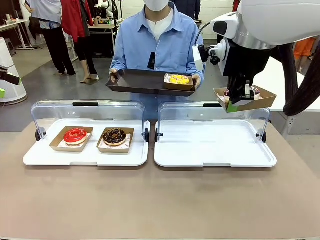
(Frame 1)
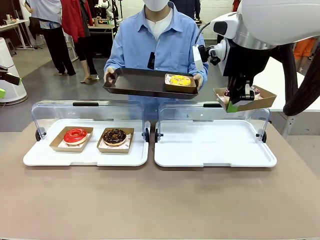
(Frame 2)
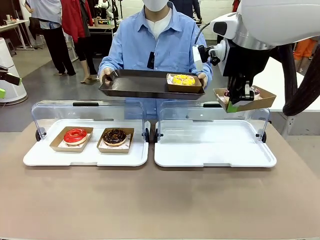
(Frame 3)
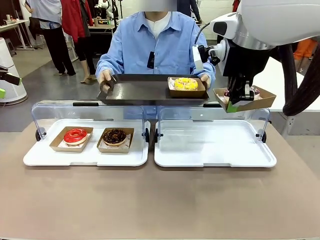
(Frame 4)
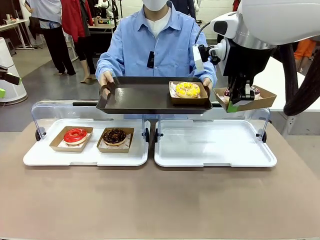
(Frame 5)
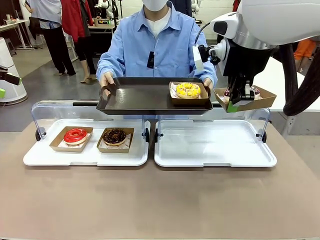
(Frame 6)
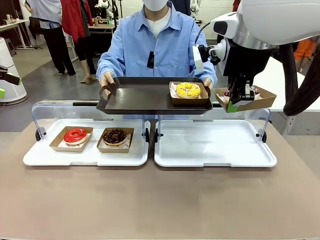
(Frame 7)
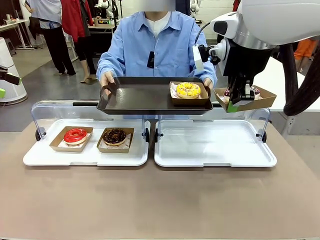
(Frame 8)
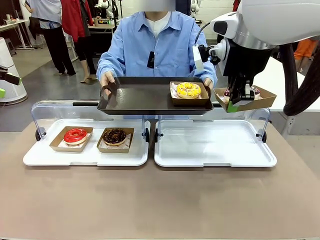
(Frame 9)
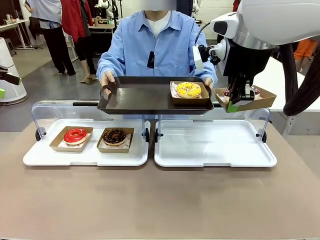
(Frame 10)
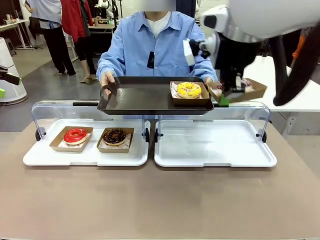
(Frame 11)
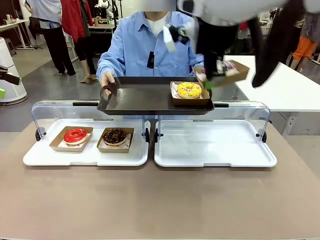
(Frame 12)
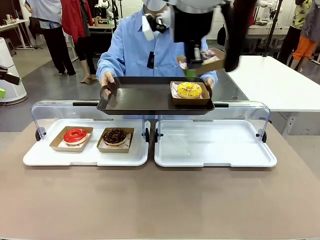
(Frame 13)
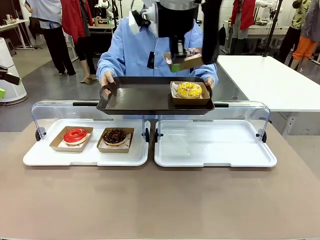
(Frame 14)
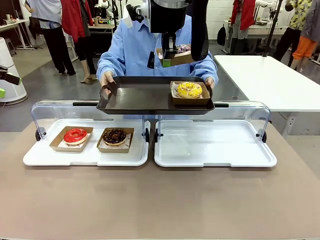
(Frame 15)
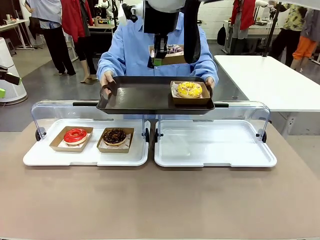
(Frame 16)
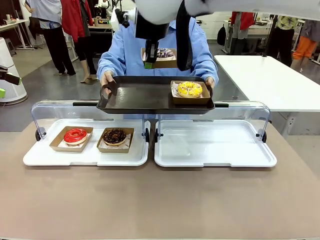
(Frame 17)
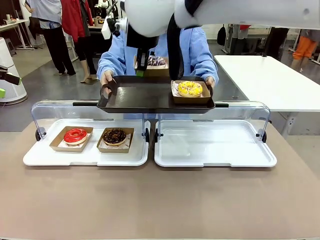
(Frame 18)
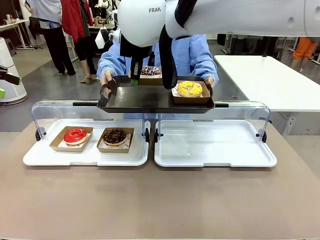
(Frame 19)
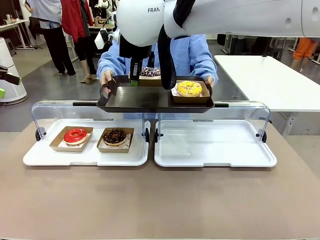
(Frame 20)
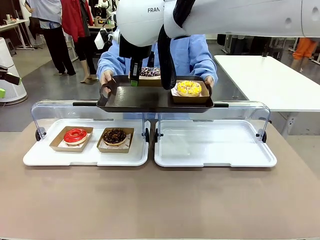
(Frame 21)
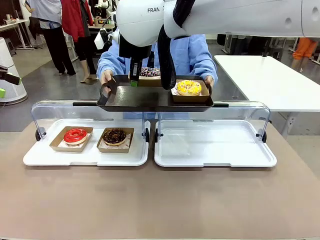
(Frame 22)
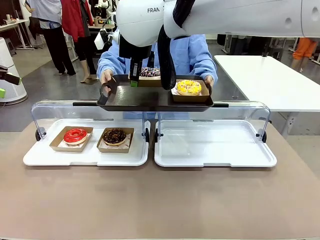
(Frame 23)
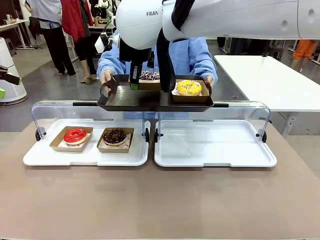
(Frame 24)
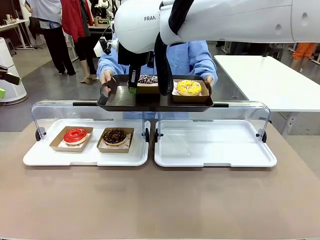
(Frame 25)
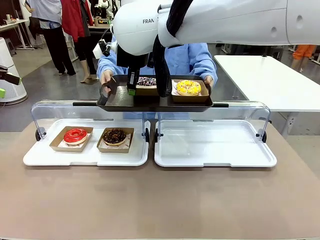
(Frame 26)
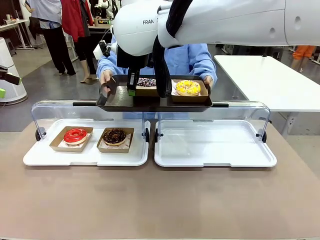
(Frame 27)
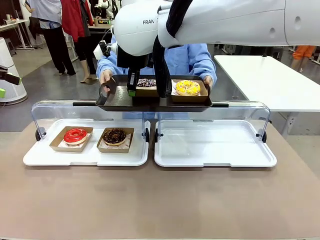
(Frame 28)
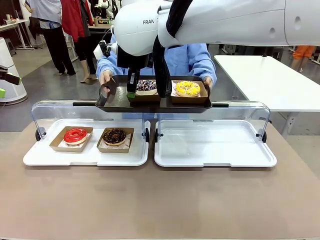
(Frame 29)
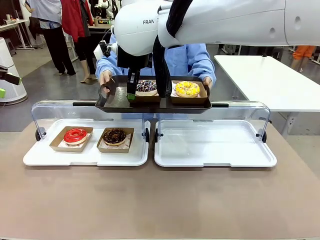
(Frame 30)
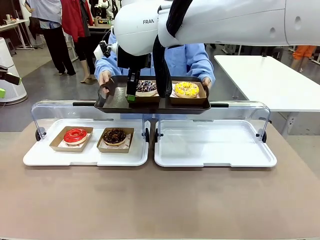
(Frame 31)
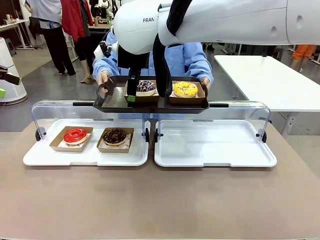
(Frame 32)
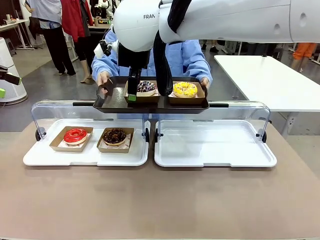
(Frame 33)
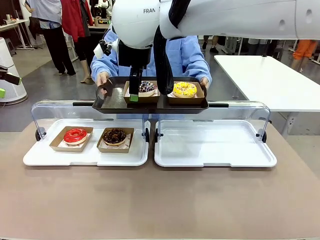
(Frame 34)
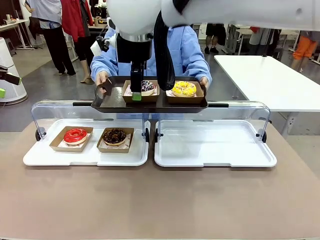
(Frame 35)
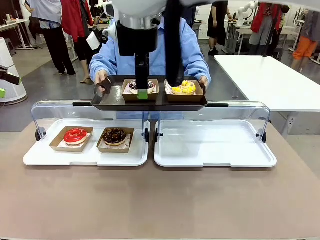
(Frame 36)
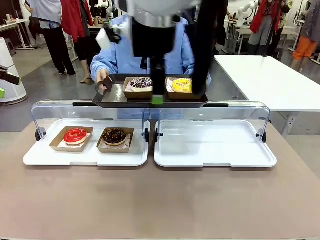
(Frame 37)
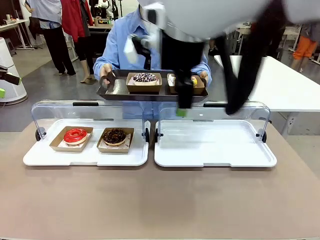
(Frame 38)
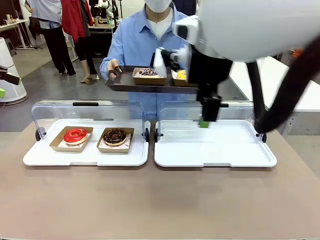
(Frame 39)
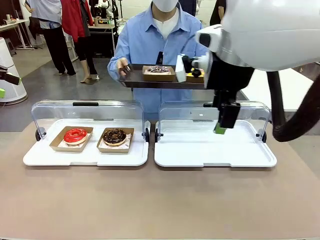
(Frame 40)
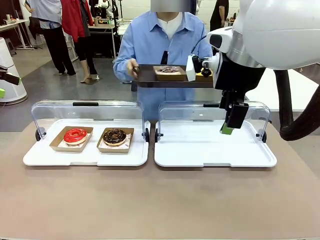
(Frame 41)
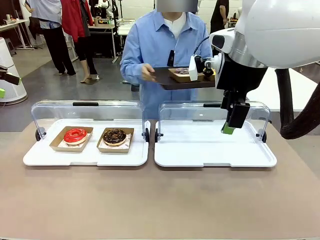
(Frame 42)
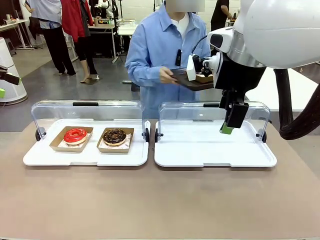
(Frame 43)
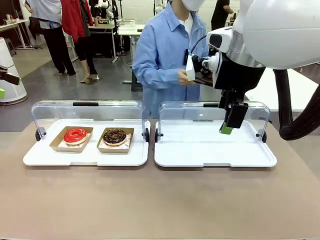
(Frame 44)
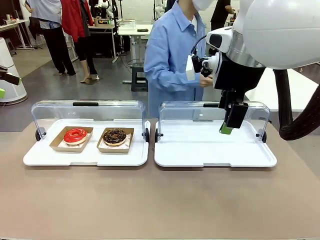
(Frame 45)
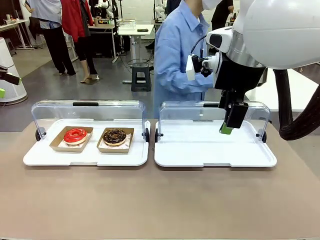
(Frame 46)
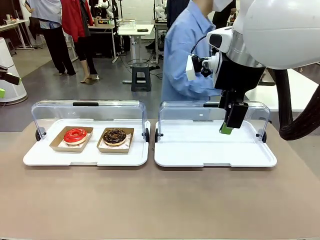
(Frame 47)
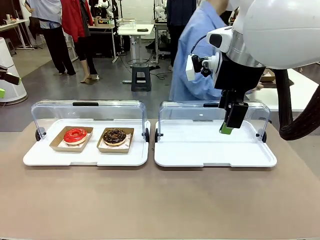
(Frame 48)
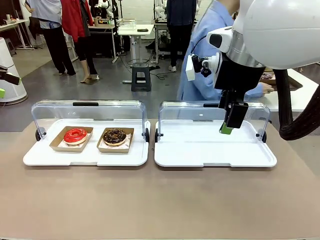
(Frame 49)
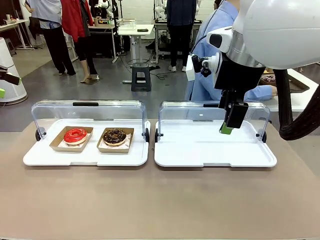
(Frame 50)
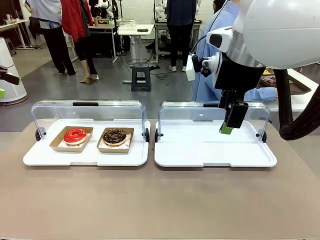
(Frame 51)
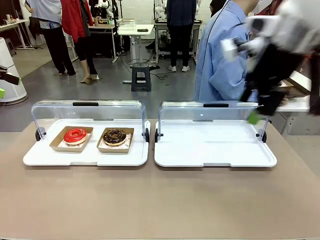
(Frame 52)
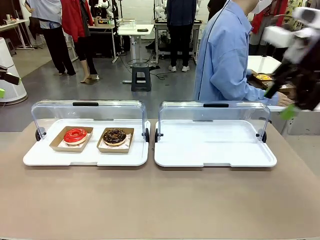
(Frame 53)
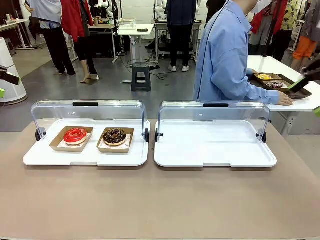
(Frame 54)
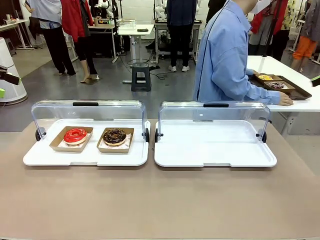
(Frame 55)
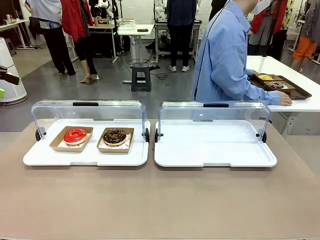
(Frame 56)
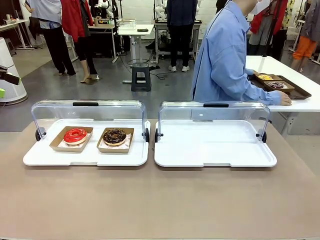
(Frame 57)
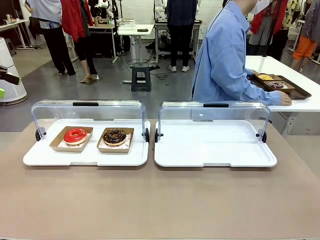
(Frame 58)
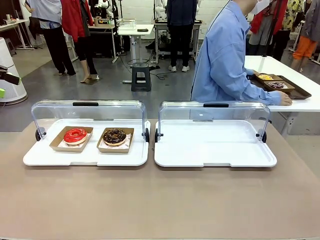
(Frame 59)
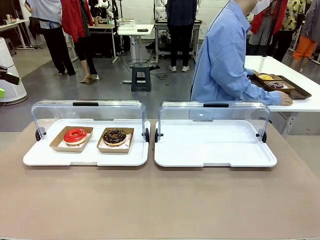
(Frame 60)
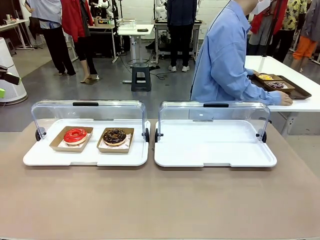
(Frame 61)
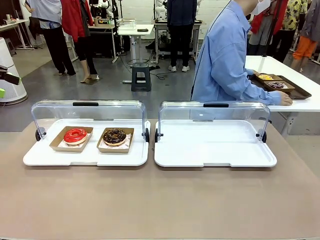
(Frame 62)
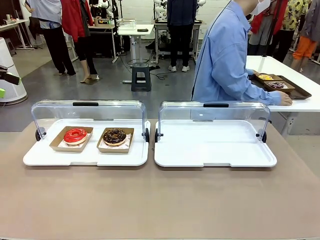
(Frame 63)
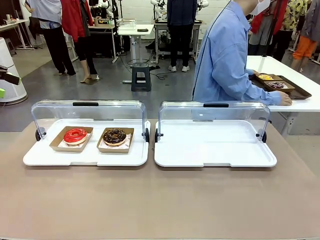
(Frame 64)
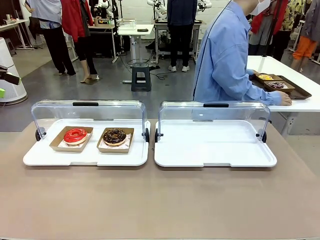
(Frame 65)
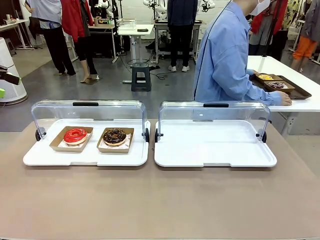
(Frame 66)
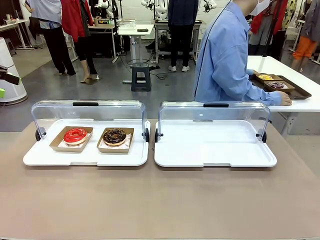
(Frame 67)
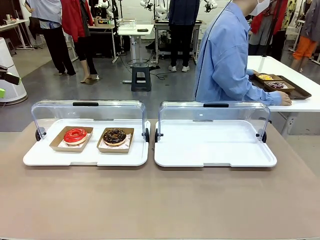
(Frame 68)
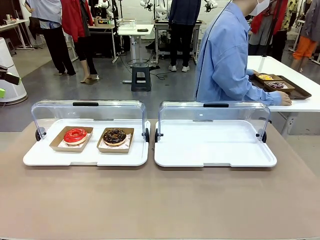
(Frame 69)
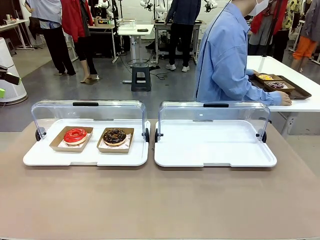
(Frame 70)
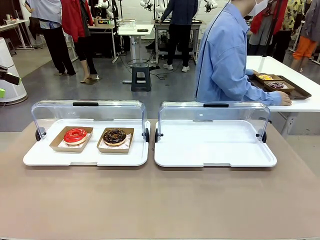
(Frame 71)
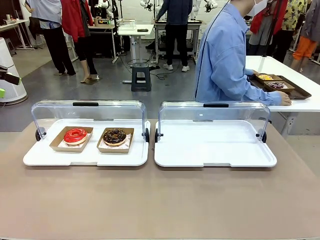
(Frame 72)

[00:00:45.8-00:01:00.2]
Task: Provide the desired donut to the person.
Robot: Place the picked Paper togo box onto the Handle tray extended by the person.
Person: Place the tray in the middle of the human table.

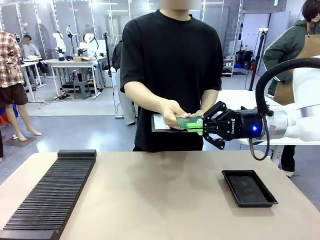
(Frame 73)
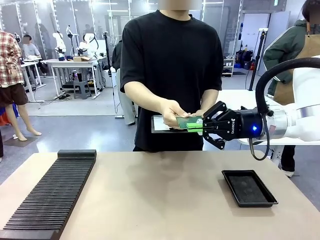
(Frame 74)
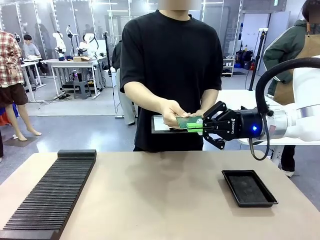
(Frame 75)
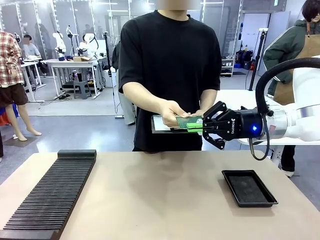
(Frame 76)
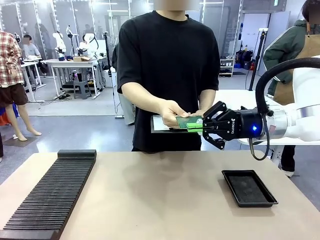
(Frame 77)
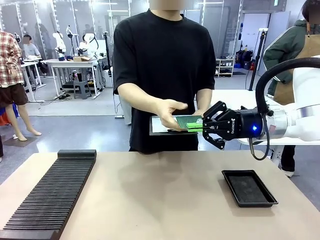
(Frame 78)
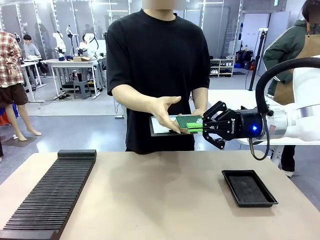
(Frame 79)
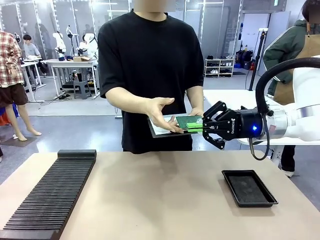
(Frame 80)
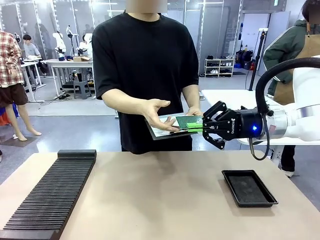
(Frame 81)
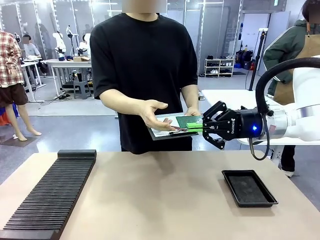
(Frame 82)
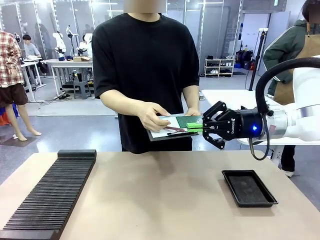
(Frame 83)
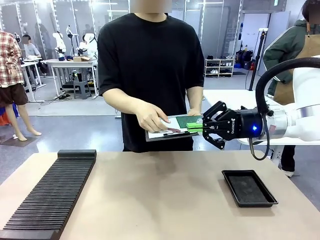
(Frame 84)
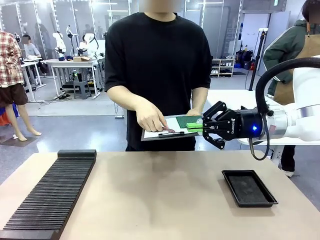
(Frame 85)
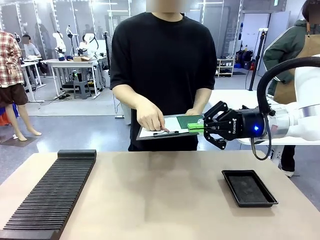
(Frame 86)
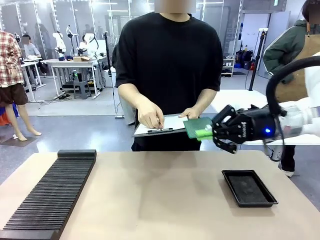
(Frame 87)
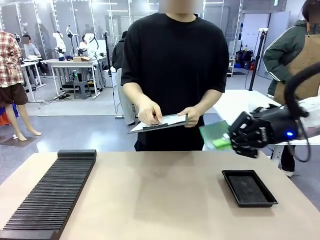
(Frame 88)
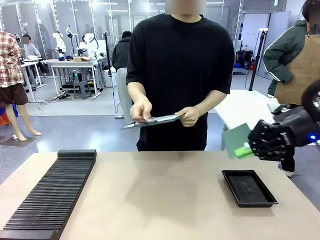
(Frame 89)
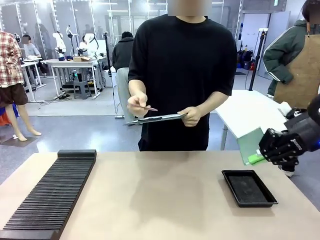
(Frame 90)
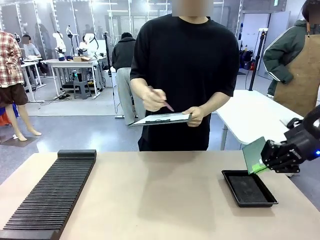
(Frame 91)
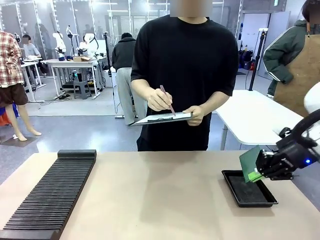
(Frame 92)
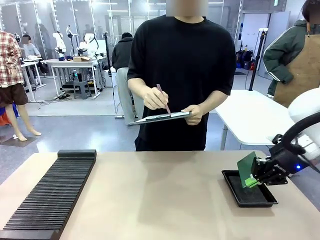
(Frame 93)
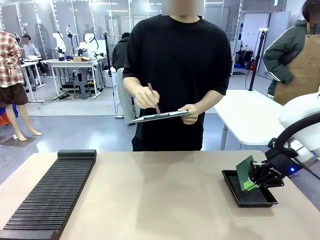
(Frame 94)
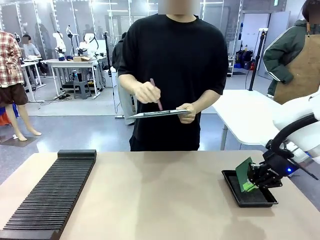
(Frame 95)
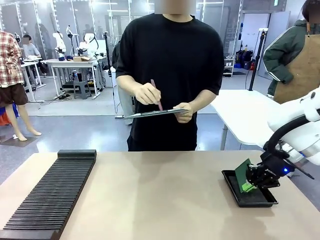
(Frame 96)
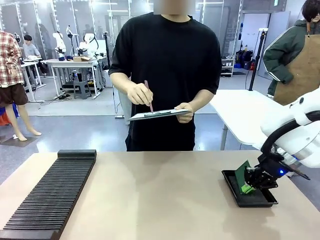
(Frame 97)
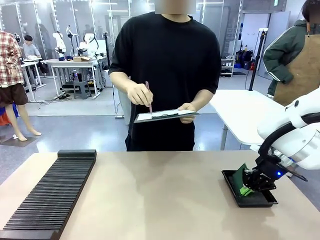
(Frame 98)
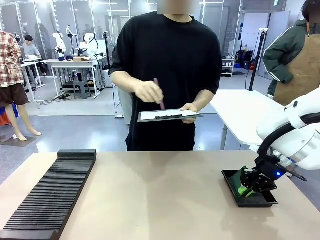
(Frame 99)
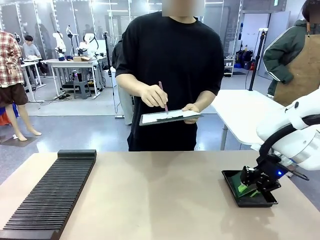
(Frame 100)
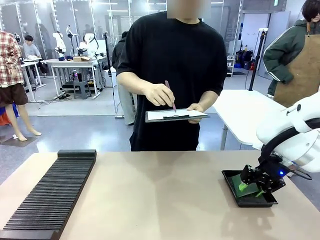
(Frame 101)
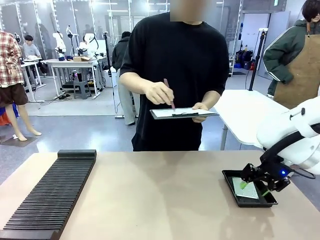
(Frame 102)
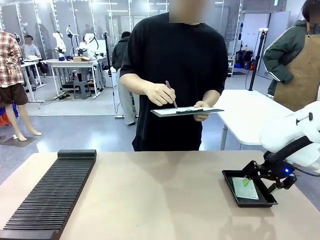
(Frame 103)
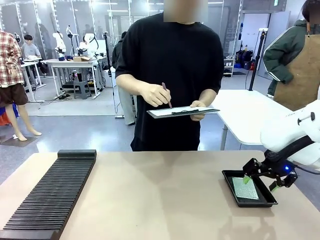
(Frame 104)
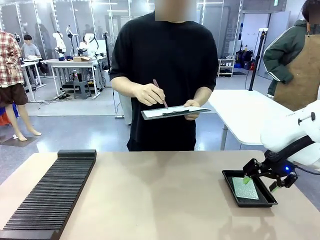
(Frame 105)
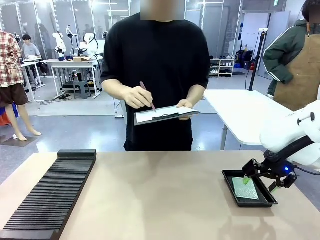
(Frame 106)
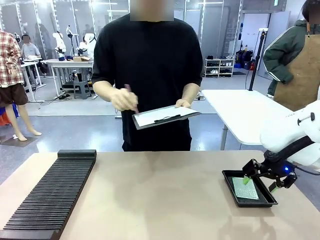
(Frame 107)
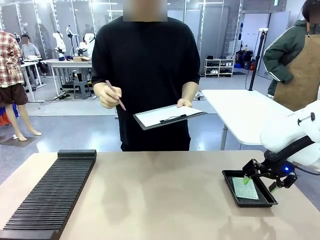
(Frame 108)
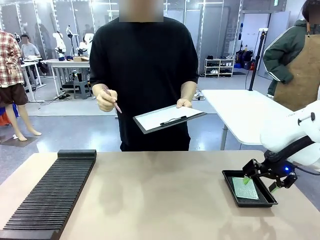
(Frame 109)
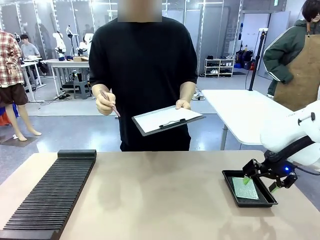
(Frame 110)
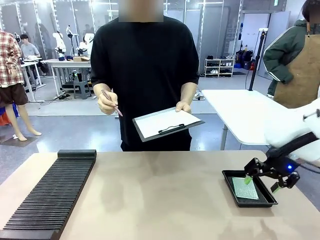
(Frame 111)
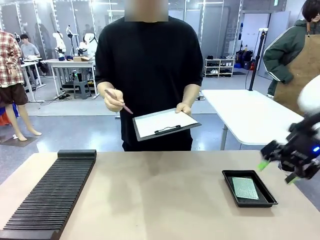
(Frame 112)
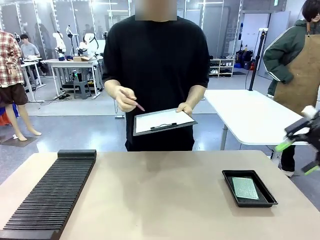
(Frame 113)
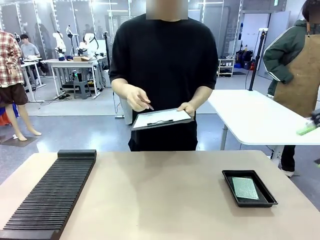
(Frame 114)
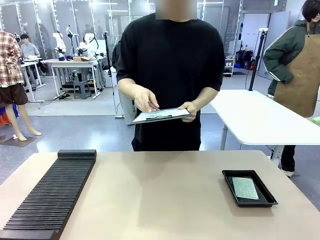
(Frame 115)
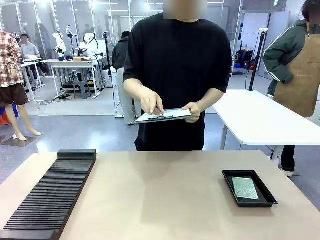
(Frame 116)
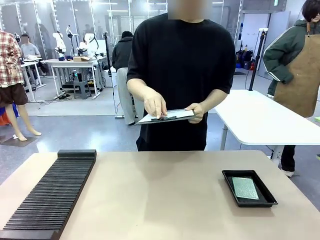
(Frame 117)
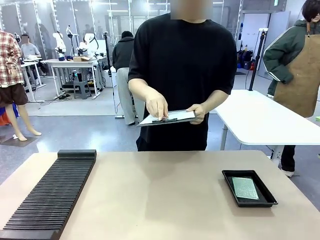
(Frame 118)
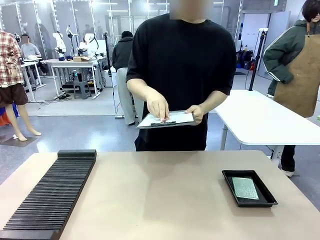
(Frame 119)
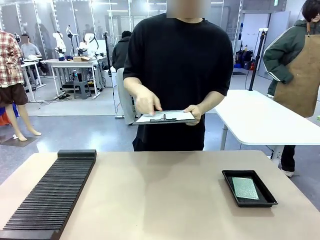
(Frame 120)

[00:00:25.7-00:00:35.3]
Task: Inspect the PCB.
Robot: Place the Blank PCB in the ESD tray.
Person: Record the PCB status on the paper.
